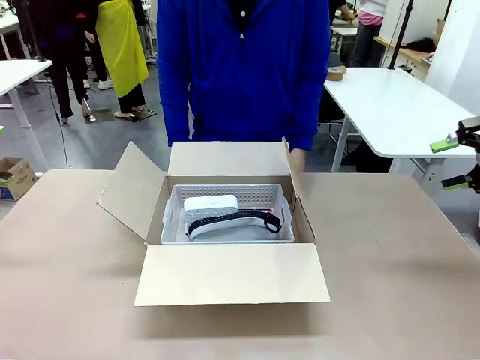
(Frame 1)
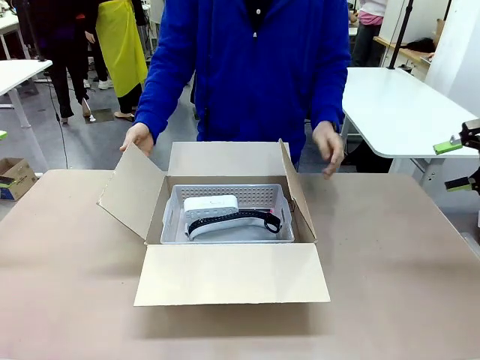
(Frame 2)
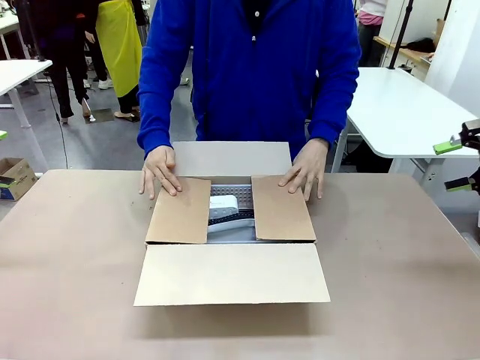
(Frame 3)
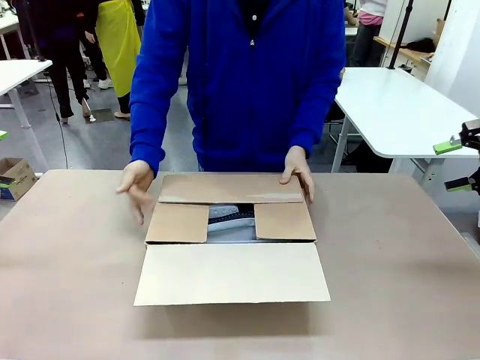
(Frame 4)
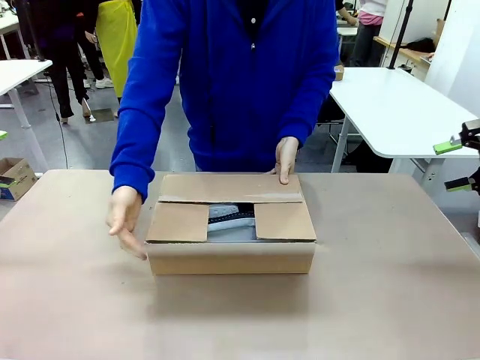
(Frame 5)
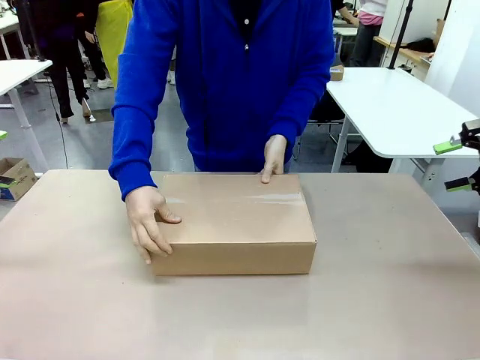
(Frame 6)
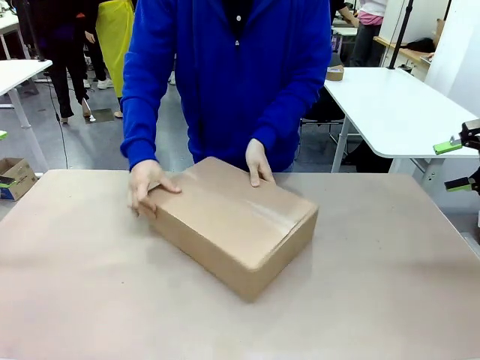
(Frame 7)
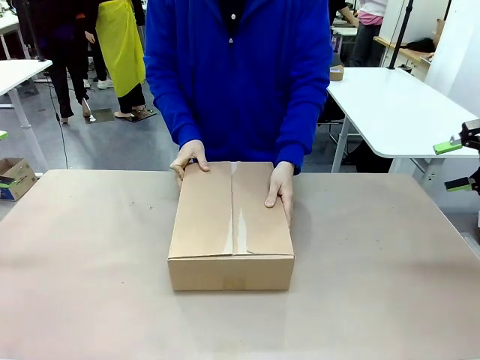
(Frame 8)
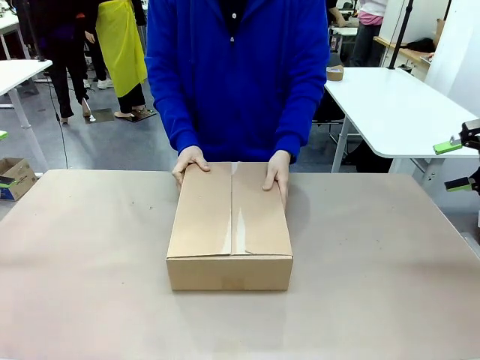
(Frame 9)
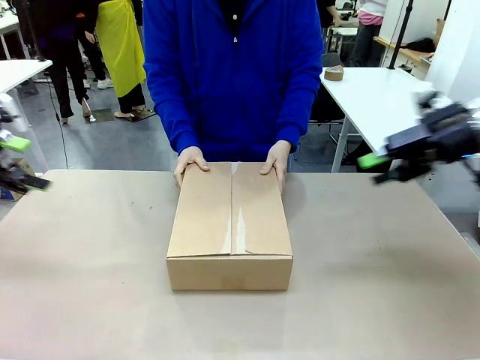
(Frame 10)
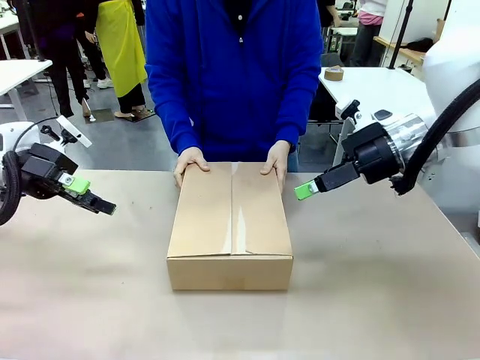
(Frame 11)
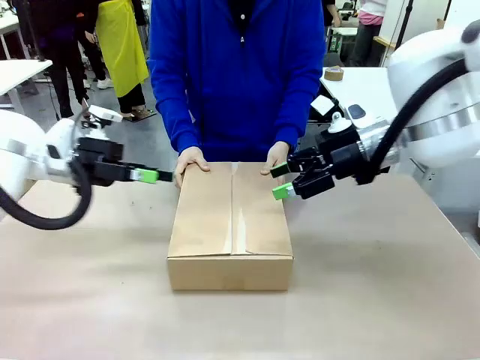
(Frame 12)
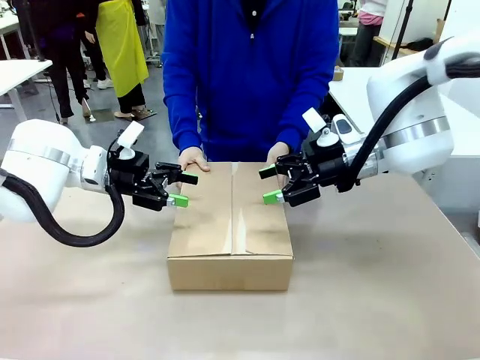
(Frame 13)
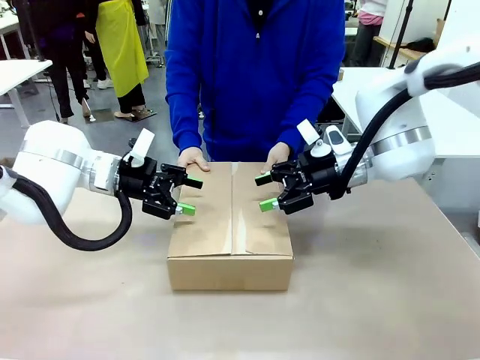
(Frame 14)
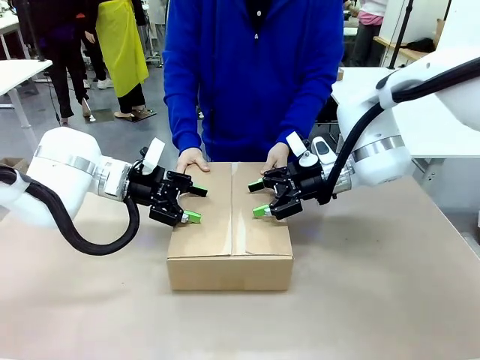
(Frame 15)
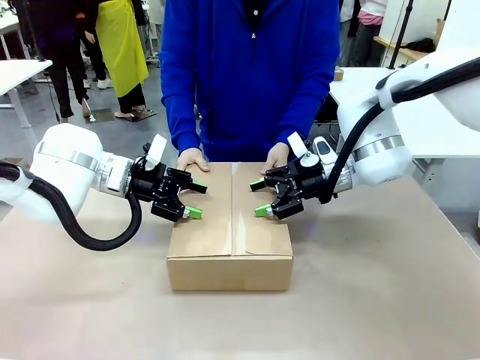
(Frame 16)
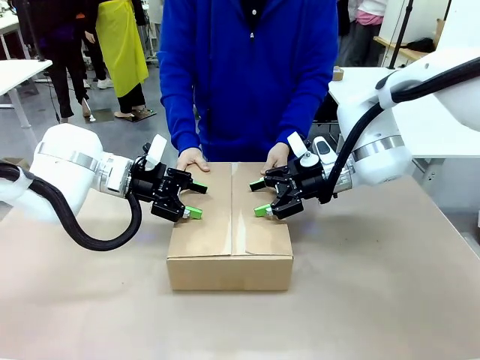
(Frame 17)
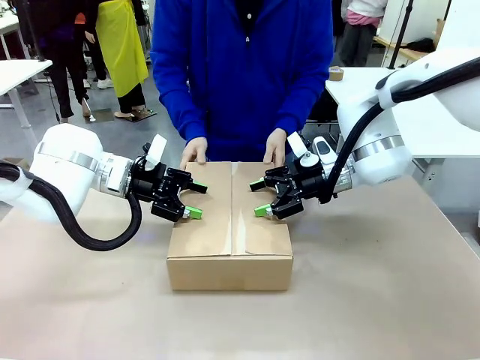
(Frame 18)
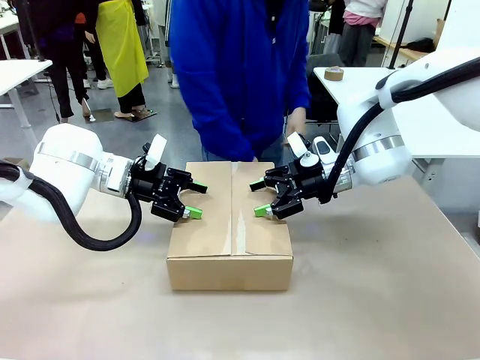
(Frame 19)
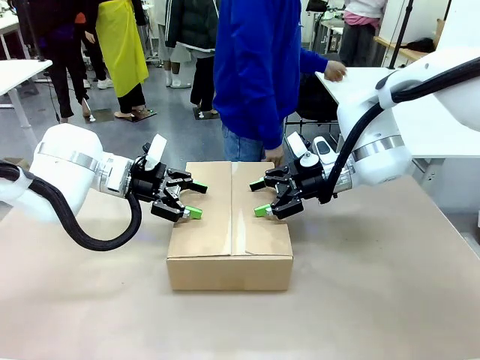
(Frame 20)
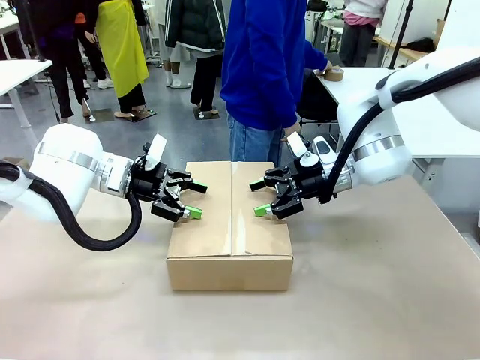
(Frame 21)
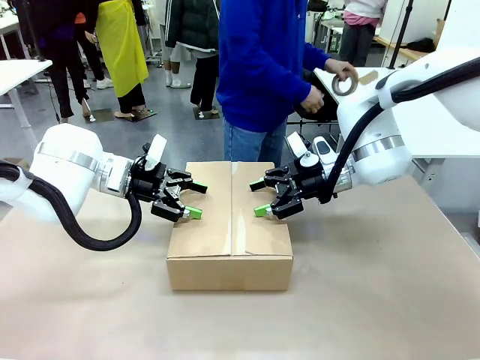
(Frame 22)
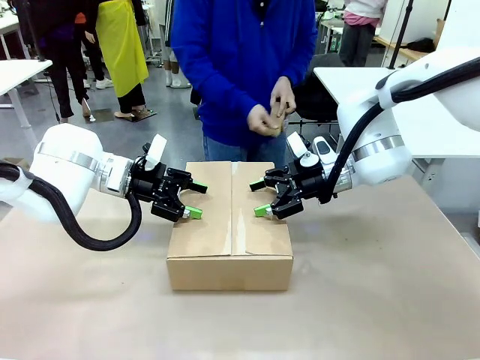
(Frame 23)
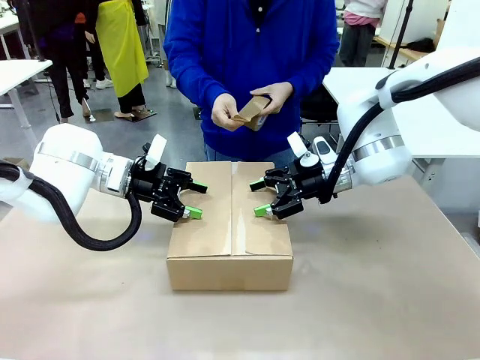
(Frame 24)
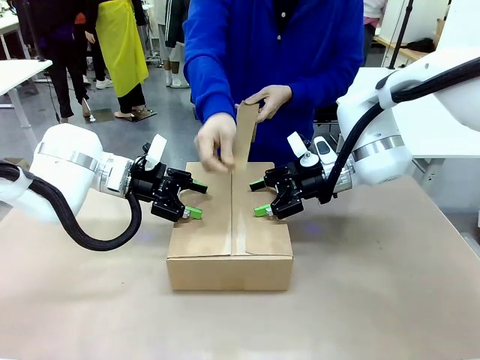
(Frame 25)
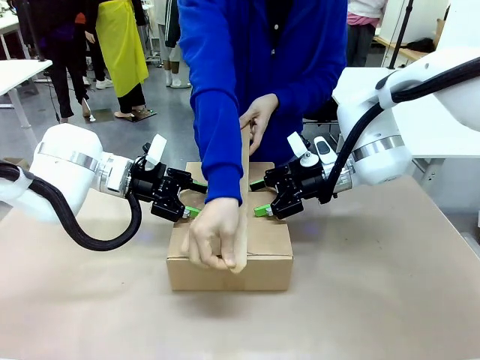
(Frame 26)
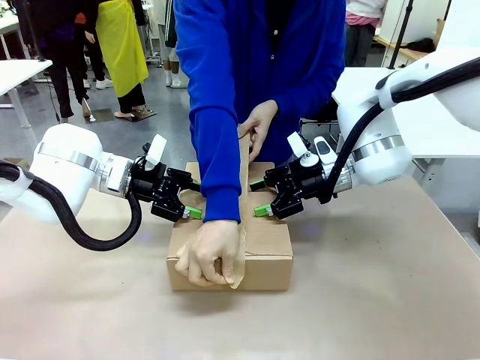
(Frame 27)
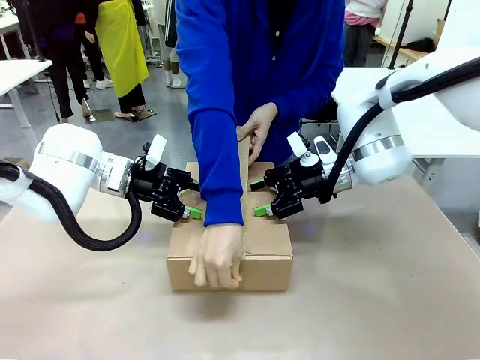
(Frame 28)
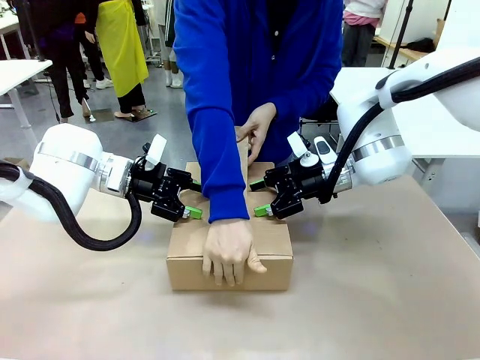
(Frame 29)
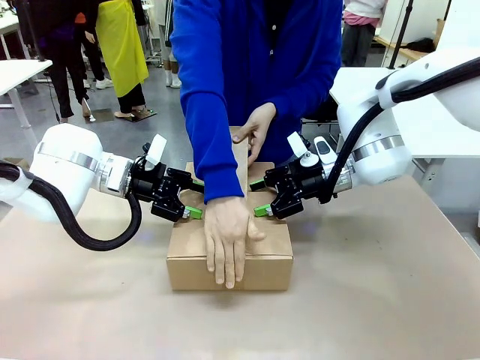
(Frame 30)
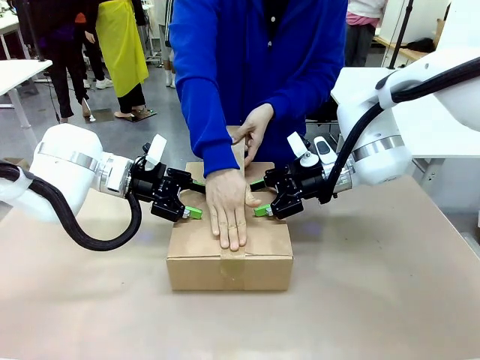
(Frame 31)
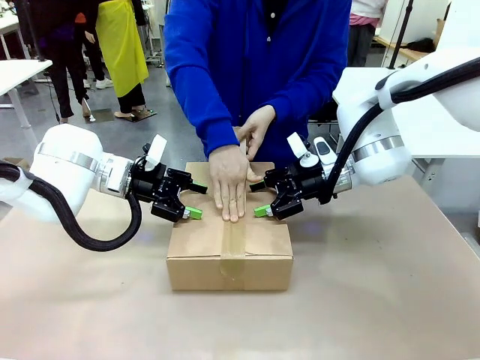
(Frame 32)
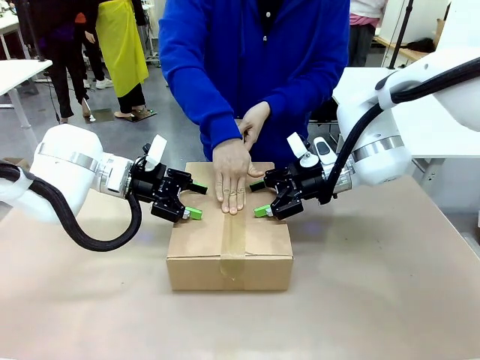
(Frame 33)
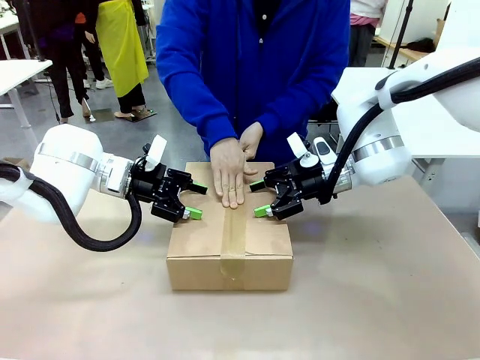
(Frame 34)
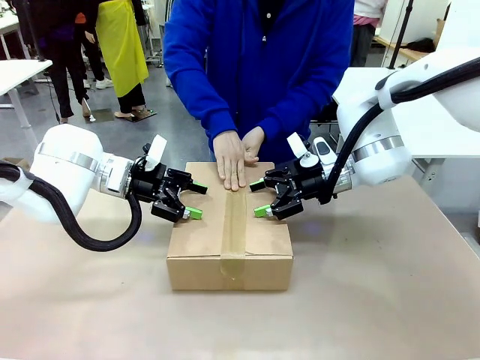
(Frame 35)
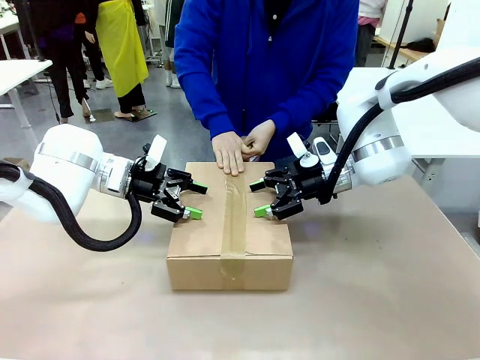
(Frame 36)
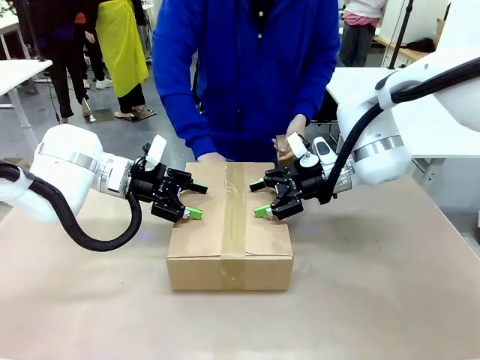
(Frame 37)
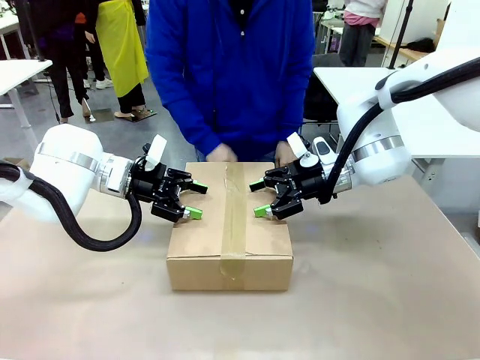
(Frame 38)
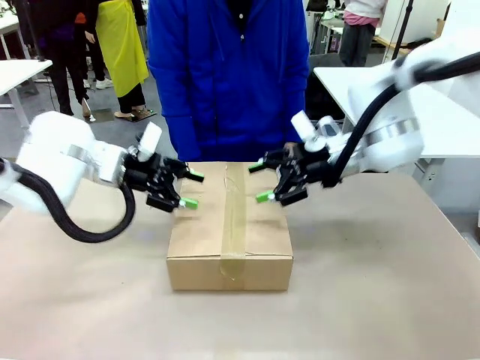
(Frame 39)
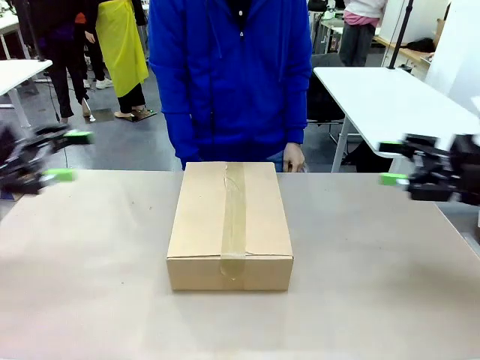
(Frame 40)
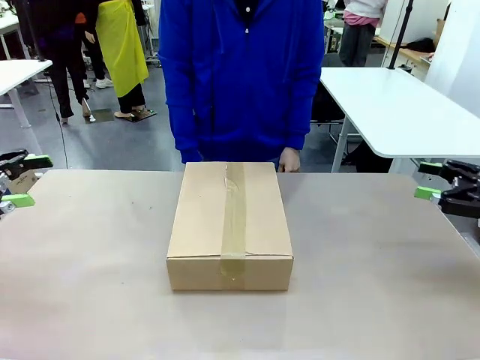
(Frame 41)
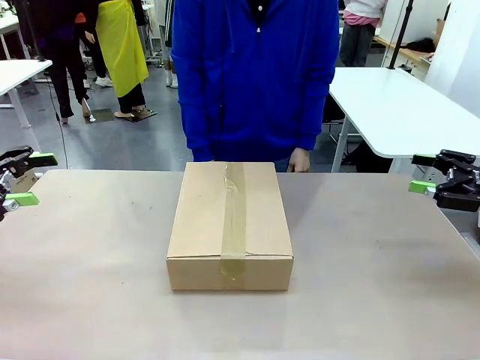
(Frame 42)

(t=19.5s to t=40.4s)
Task: Pack the gift set into the box.
Robot: Press and hold the closed box until the human finishes sealing it.
Person: The human closes the box and rotates the box by 90 degrees. The human picks up the paper tape from the human table and packs the box.

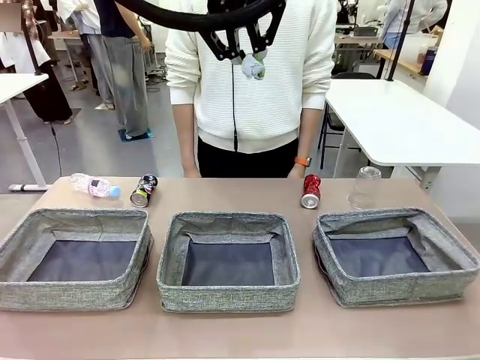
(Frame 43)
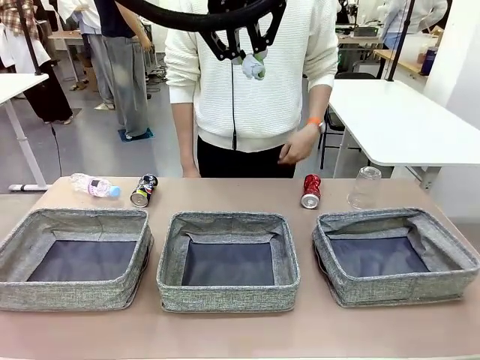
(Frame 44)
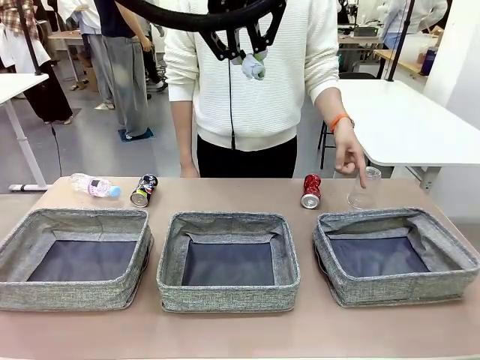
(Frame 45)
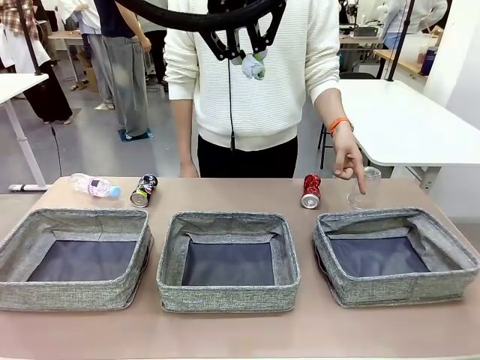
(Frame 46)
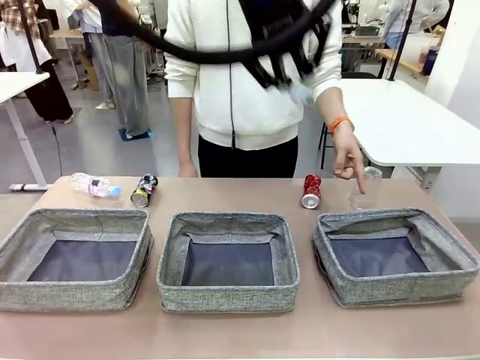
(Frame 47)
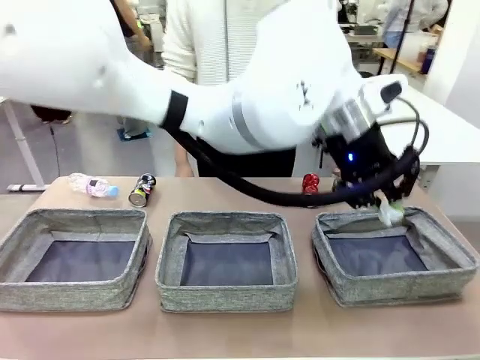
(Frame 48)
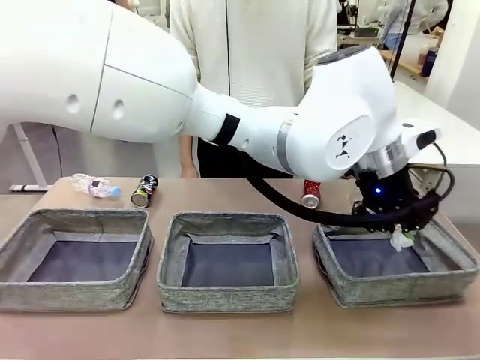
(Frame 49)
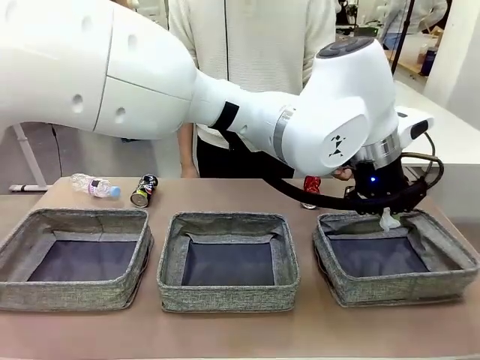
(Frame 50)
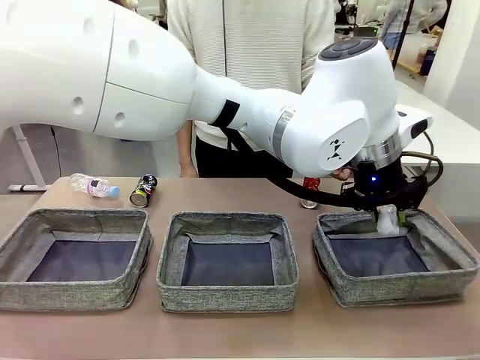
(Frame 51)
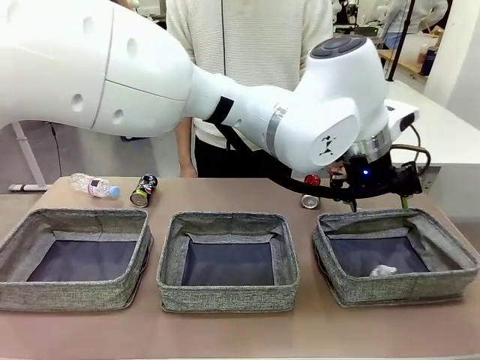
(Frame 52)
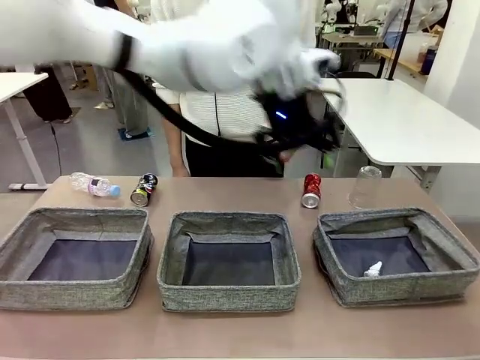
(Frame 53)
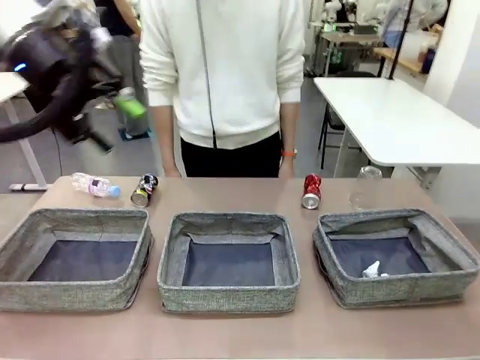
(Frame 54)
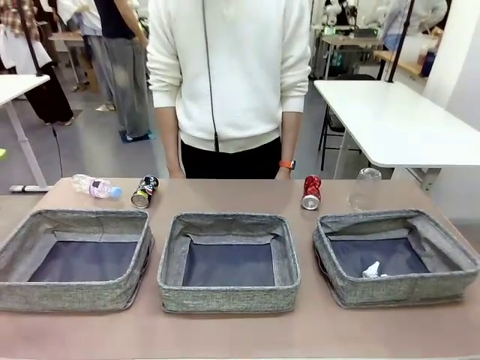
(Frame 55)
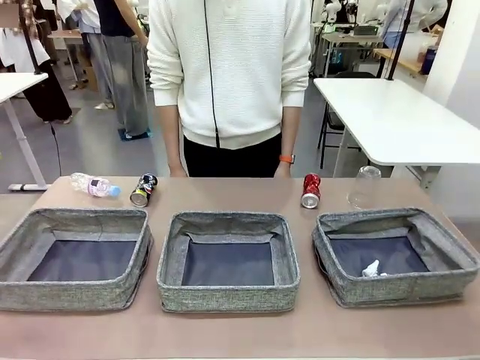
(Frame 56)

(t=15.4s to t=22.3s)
Task: Sort the waste into the appropriate baskets.
Robot: Place the picked waste into the Fabric basket indicated by the person.
Person: Instructs the robot to place the picked-up trash into the appropriate organizing basket.
